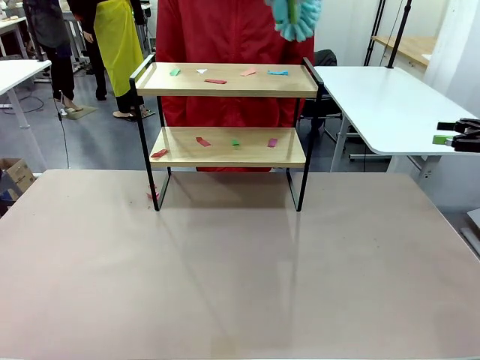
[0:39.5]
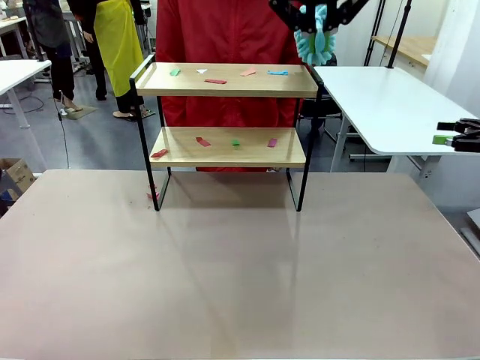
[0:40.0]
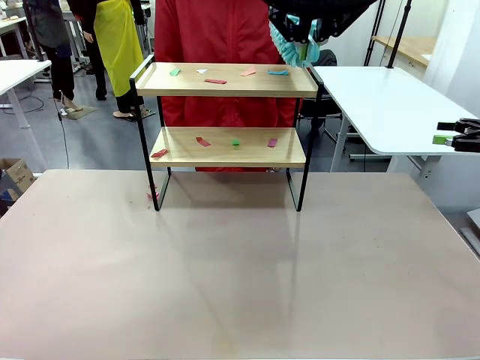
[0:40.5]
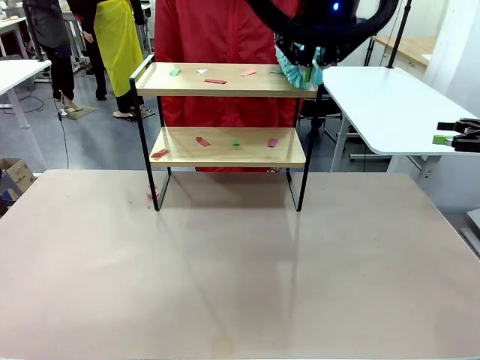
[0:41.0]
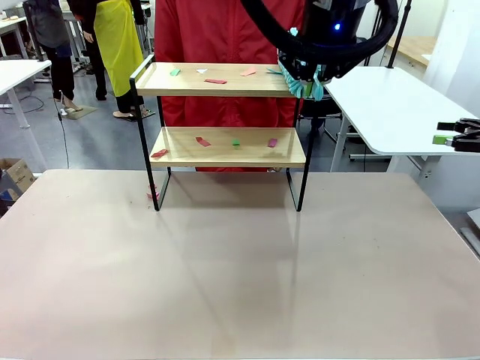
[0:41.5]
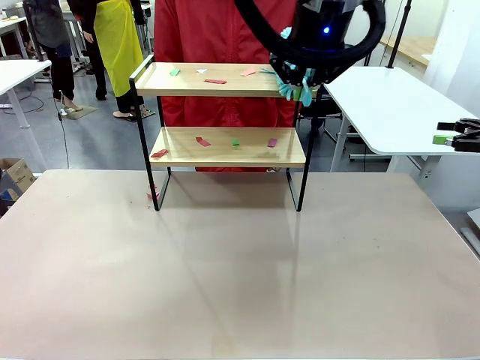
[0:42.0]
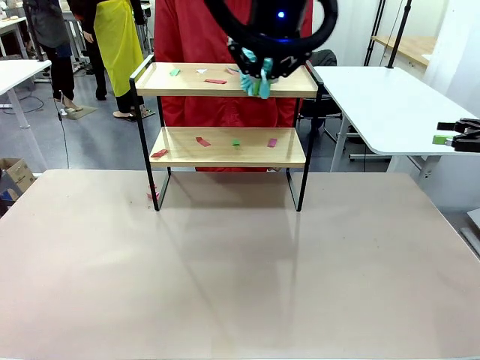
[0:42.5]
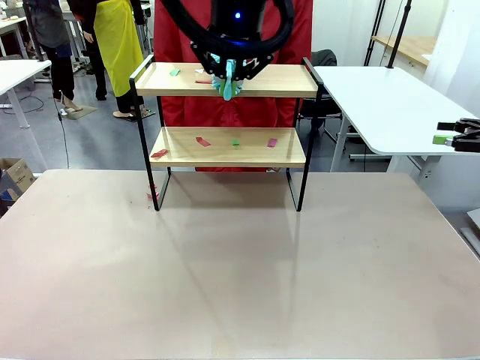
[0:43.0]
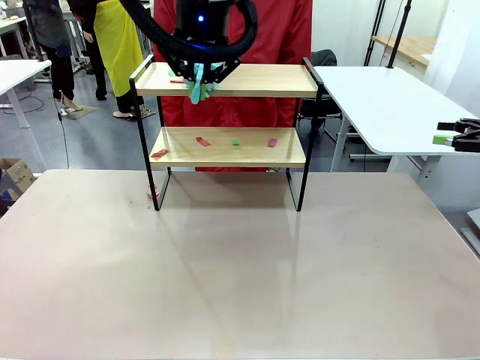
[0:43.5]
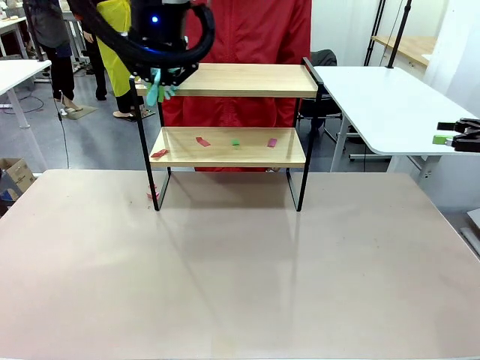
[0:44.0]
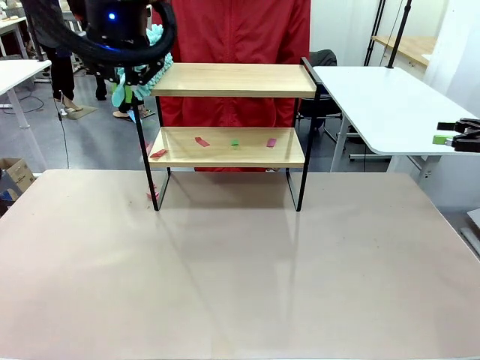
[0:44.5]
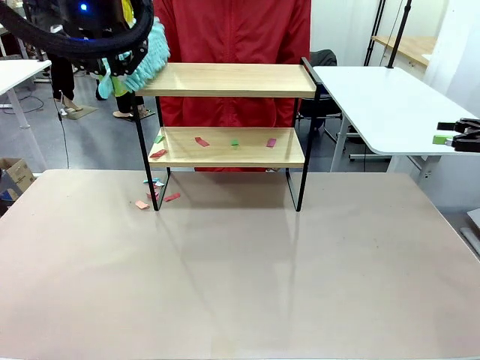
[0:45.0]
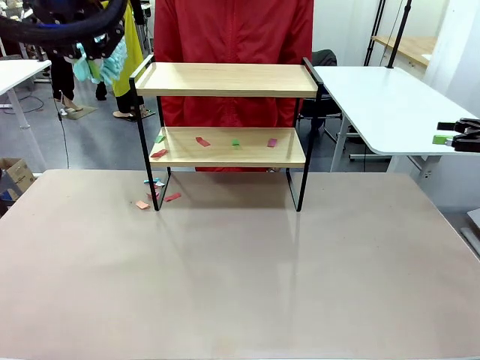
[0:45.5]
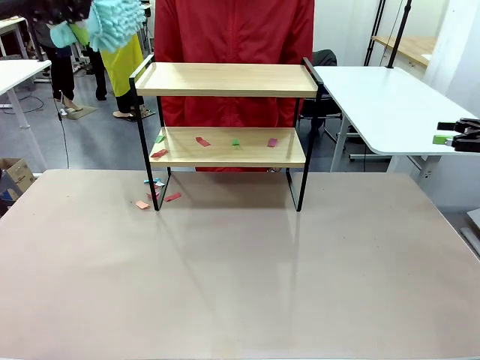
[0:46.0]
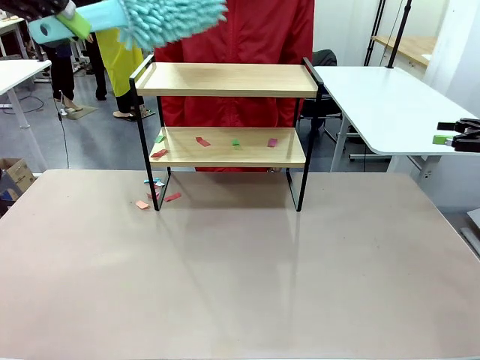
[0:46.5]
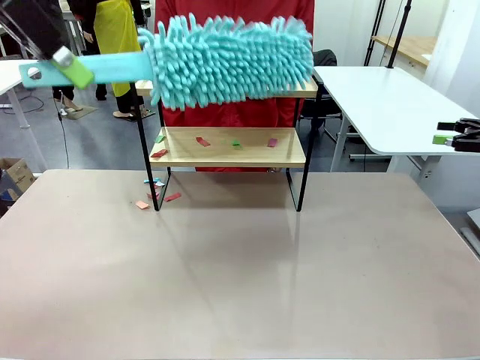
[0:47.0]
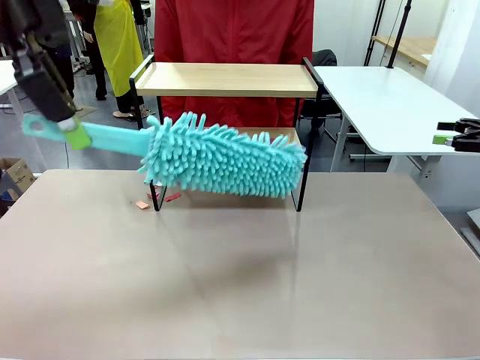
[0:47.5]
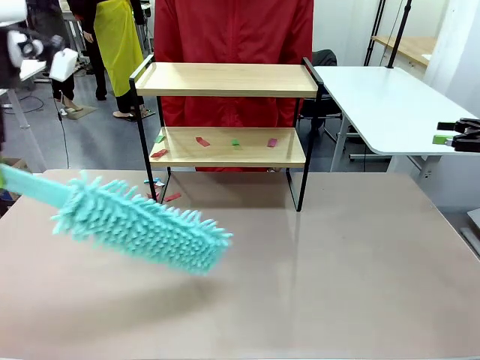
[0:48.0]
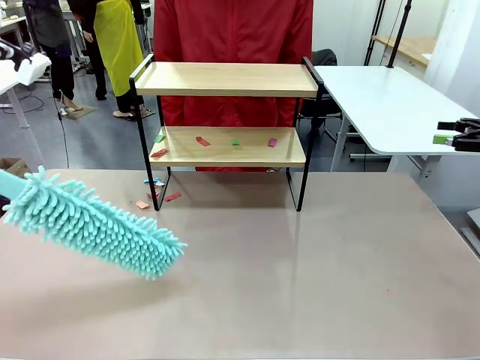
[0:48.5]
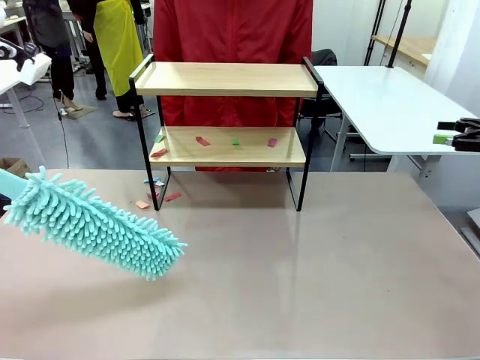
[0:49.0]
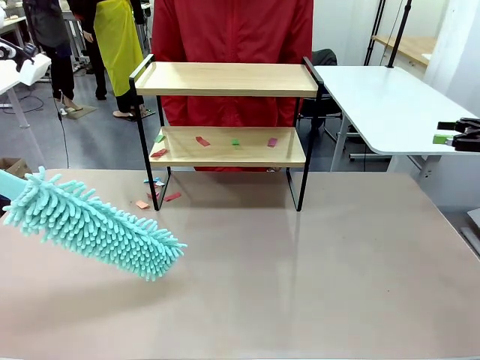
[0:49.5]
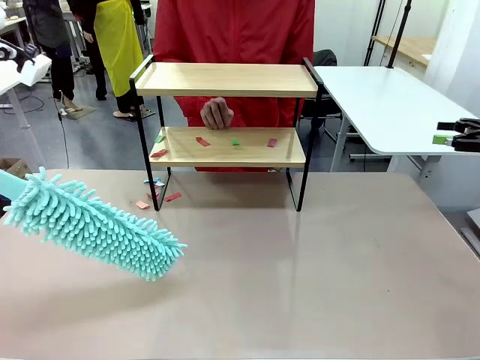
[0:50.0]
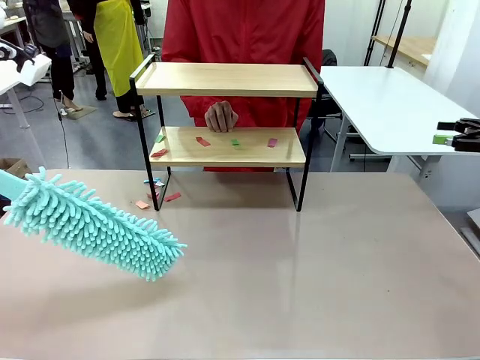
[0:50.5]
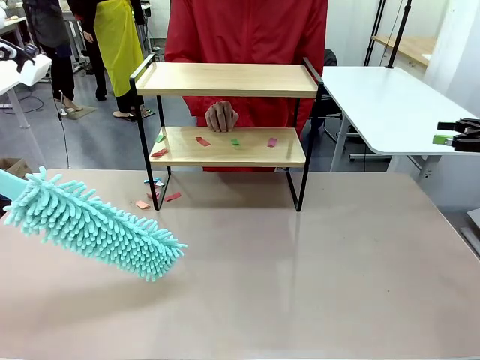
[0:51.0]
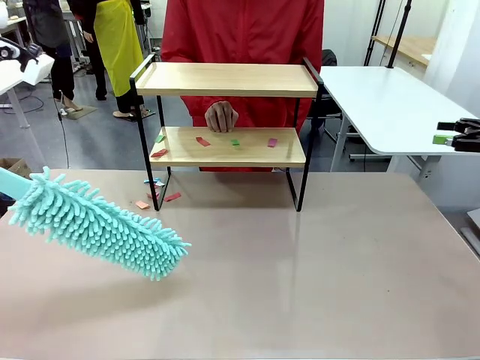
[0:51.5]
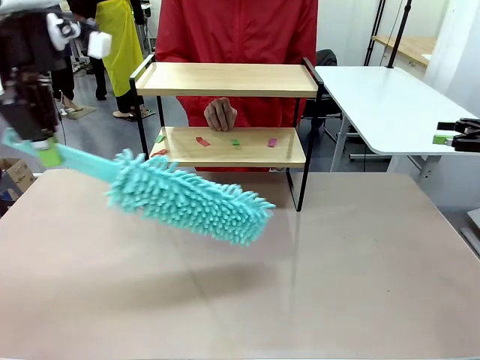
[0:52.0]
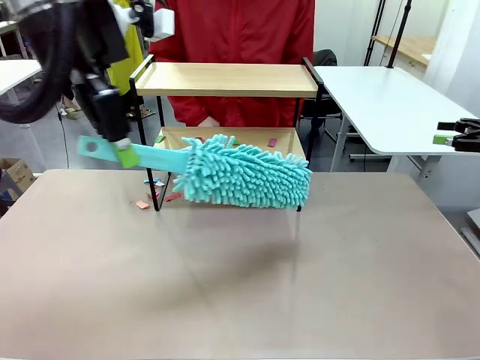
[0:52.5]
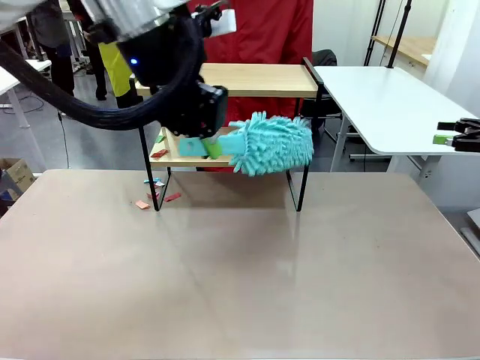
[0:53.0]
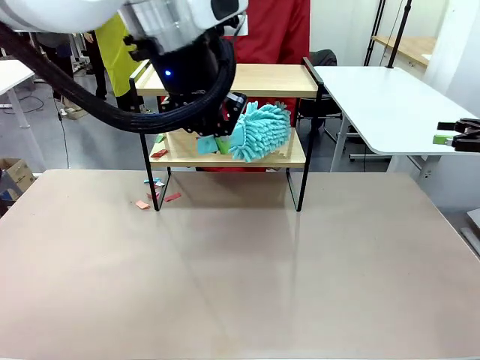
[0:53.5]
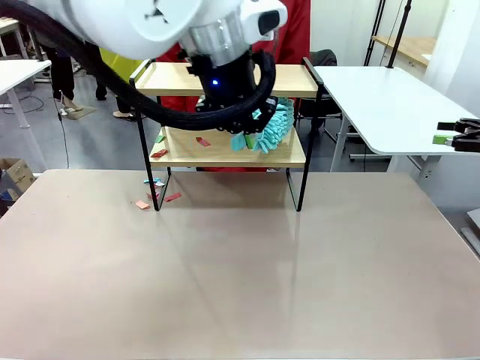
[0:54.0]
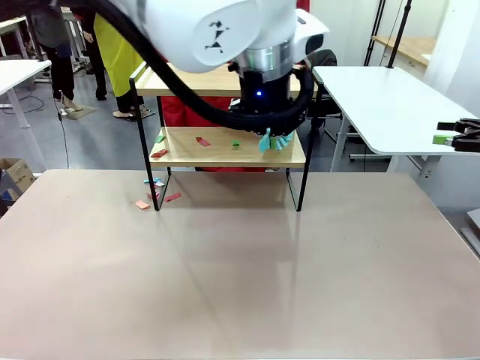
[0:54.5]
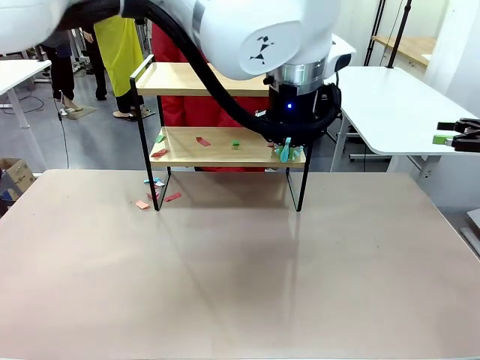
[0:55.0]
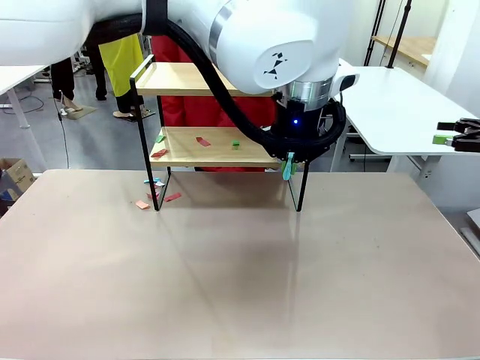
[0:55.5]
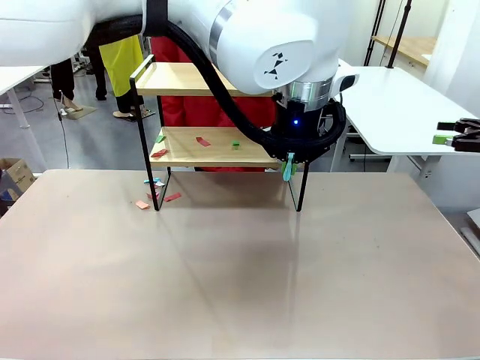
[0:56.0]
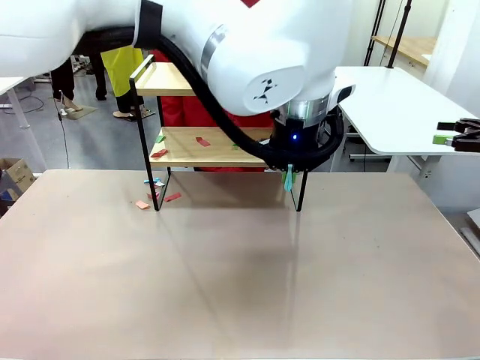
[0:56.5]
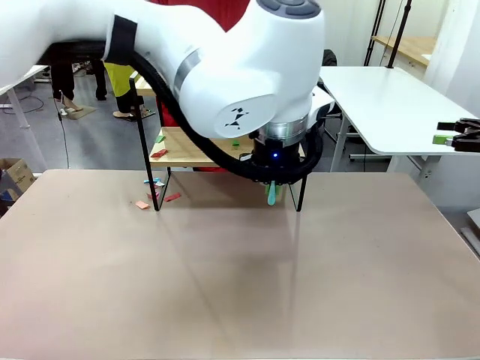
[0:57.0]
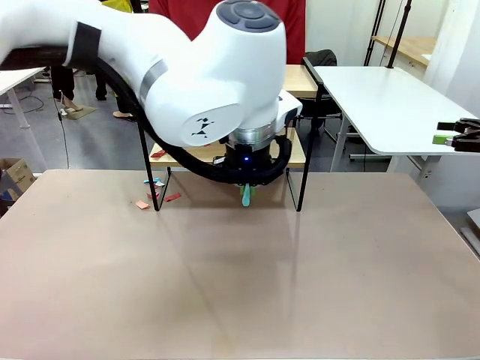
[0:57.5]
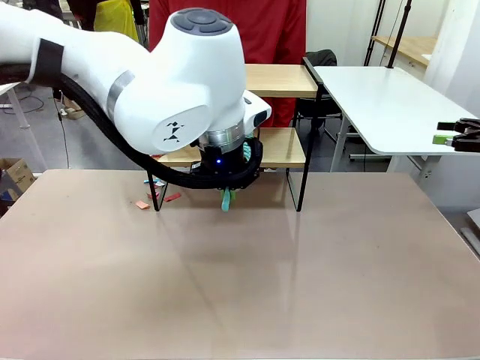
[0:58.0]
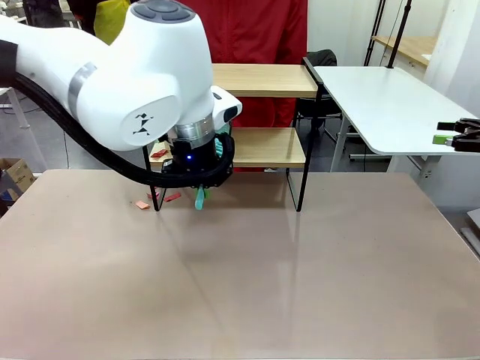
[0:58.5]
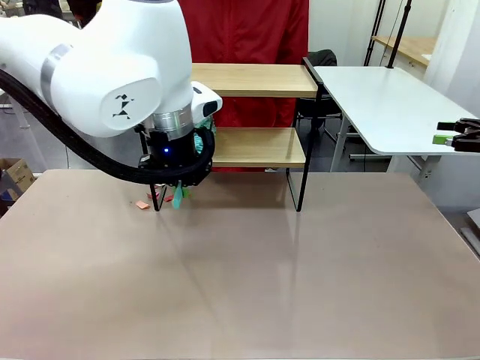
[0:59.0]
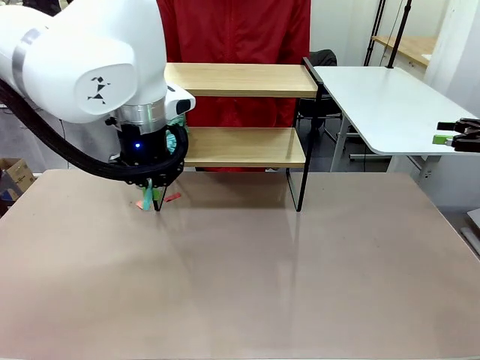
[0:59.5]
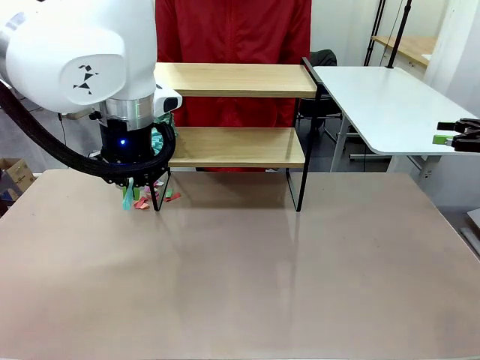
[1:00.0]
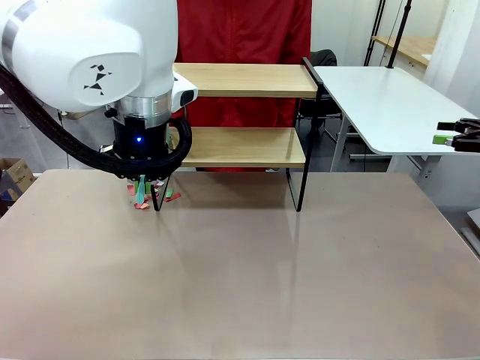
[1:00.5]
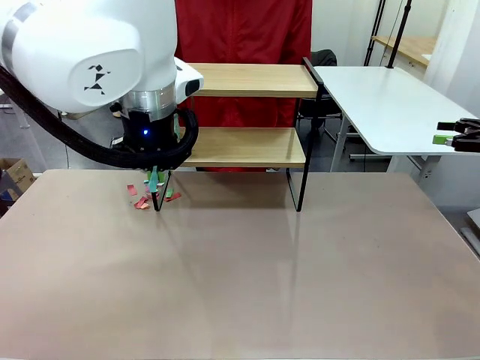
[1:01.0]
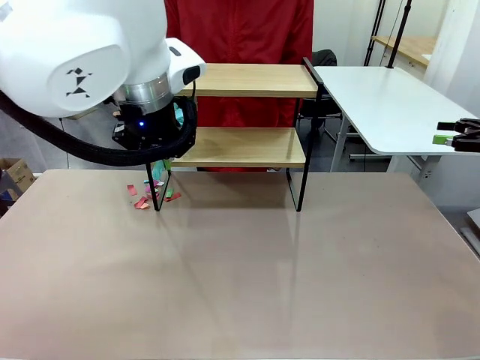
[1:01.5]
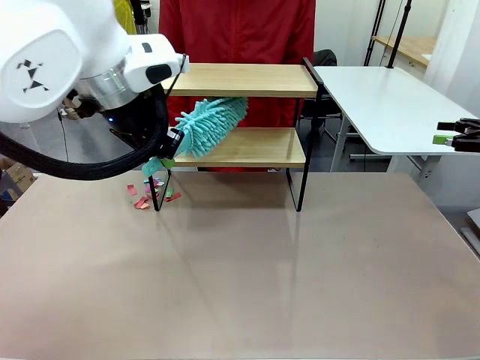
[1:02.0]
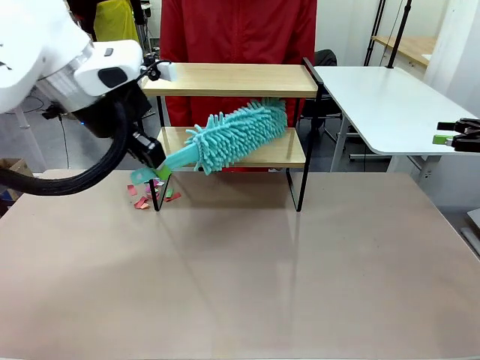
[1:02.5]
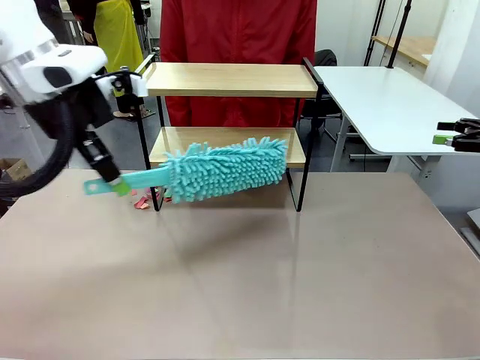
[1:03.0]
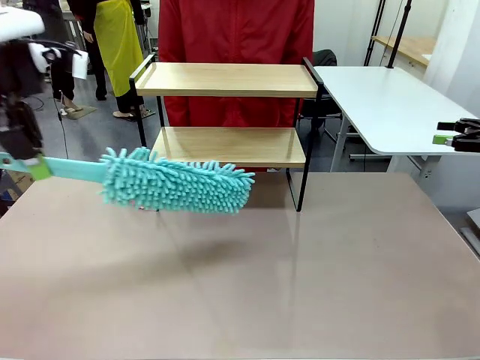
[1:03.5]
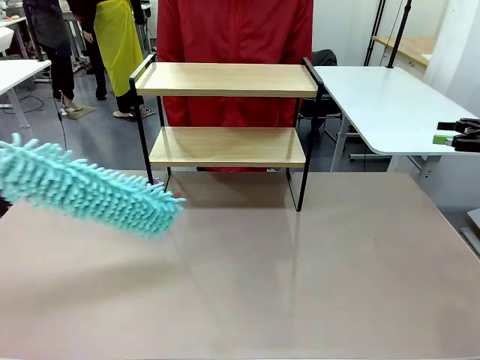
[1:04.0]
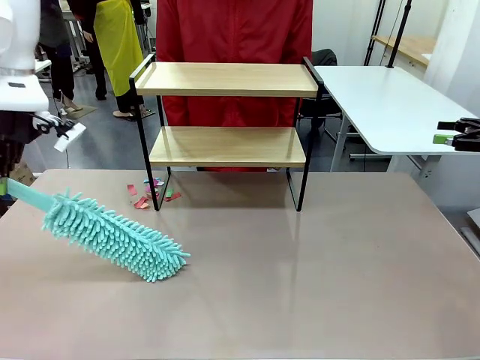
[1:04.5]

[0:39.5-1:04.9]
Task: Clean the shelf.
Robot: Clean the specific section of the Shelf indicated by the human with the Duster.
Person: Point a remaining section of the Shelf.

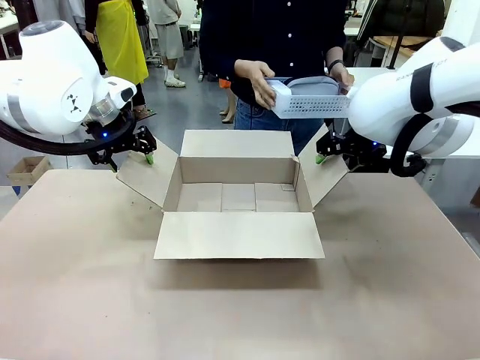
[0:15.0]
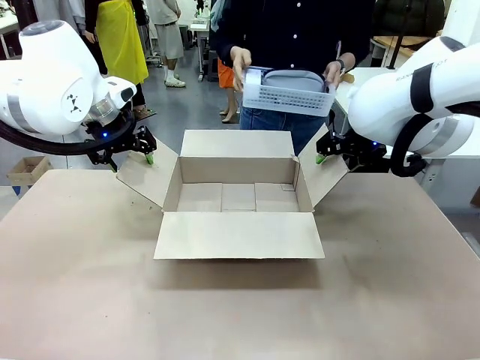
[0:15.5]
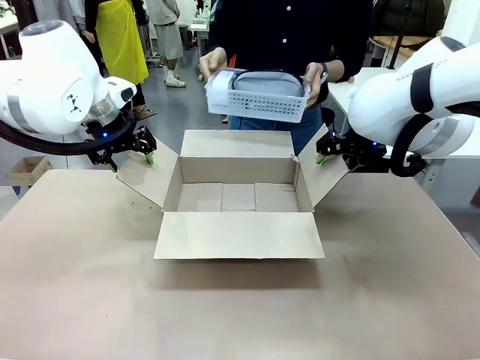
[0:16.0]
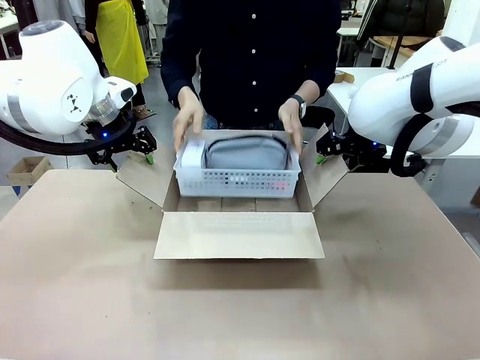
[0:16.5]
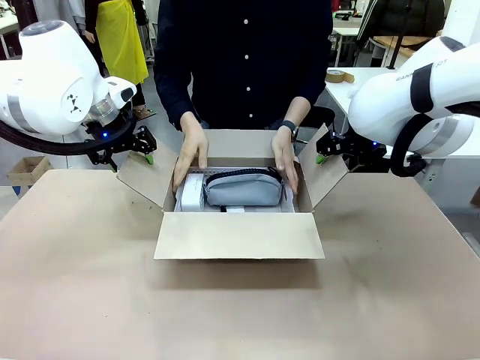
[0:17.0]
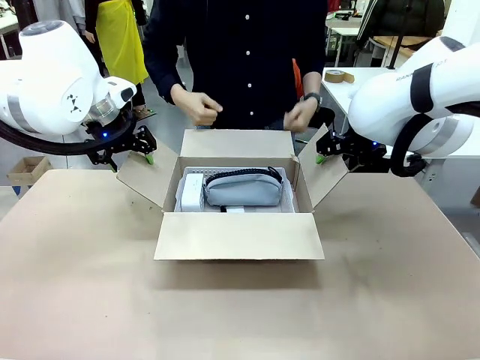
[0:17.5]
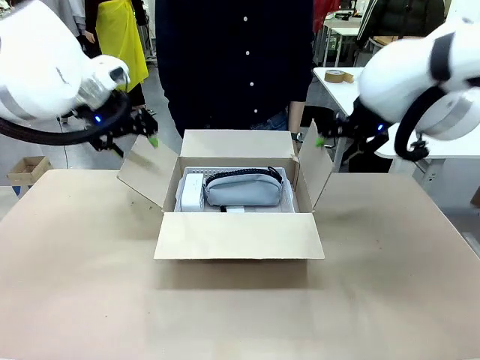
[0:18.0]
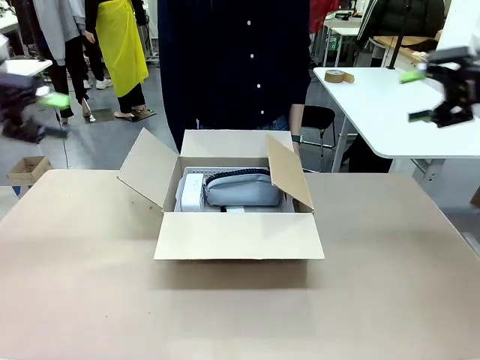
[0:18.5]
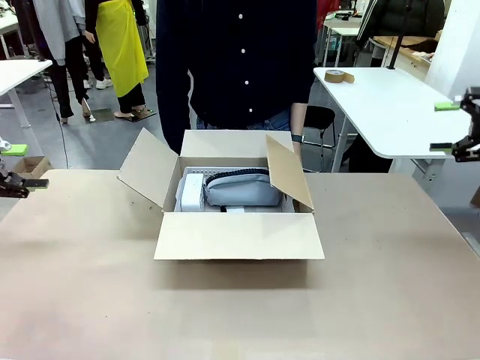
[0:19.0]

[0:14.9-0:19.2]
Task: Pack the gift set into the box.
Robot: Lift both hands away from the flaps of the Package Box.
Person: The human picks up the organizing basket and places the organizing basket into the package box on the robot table.
